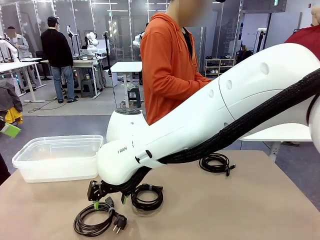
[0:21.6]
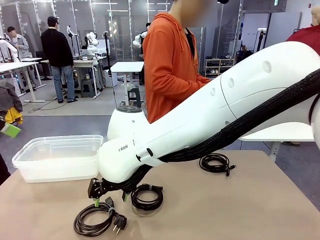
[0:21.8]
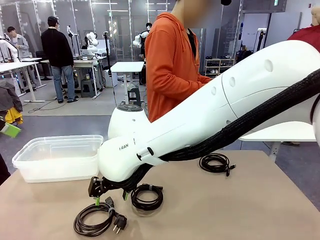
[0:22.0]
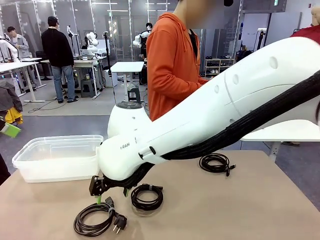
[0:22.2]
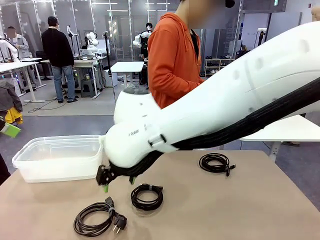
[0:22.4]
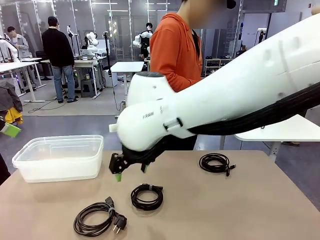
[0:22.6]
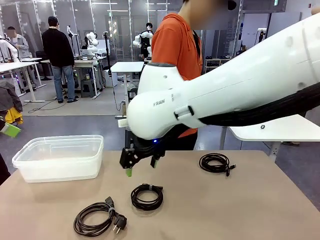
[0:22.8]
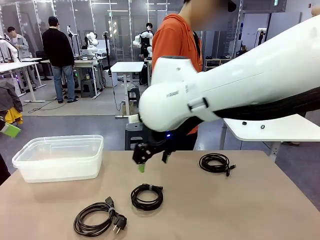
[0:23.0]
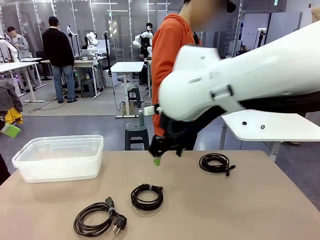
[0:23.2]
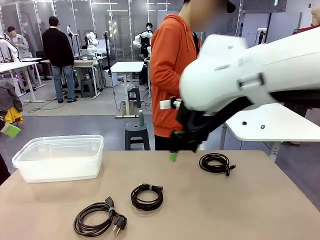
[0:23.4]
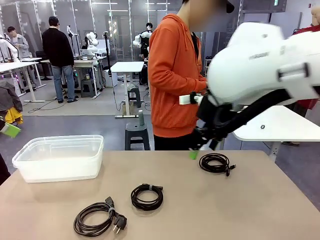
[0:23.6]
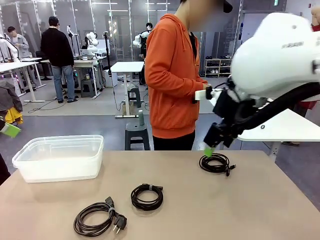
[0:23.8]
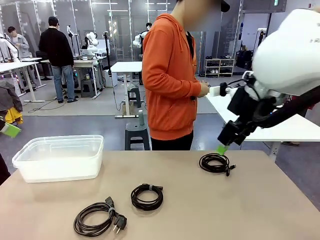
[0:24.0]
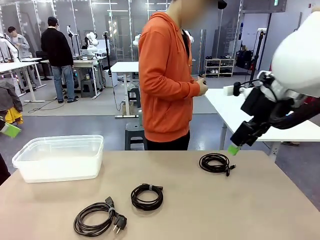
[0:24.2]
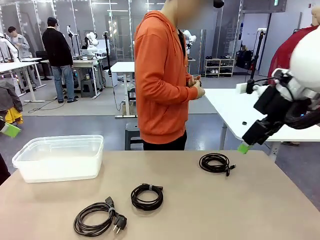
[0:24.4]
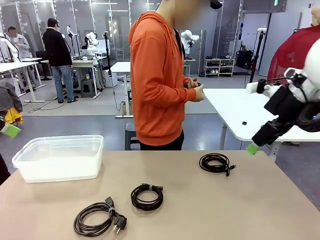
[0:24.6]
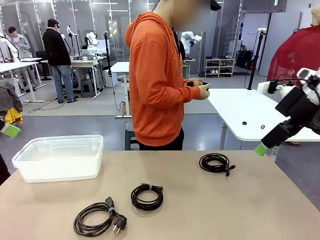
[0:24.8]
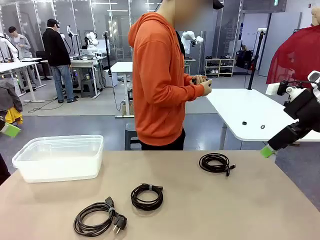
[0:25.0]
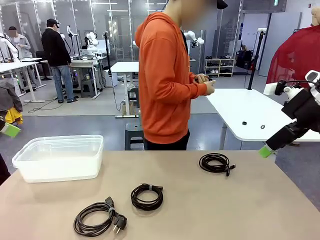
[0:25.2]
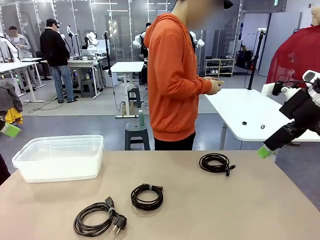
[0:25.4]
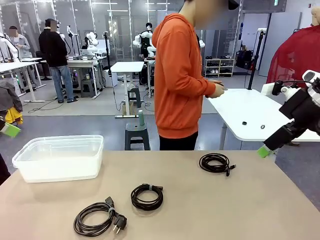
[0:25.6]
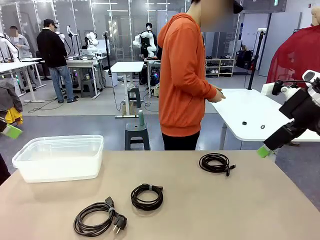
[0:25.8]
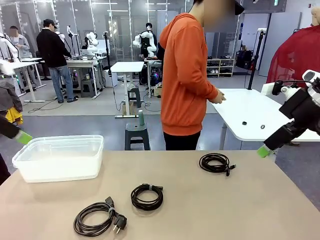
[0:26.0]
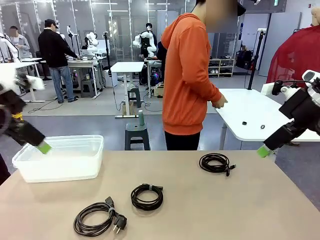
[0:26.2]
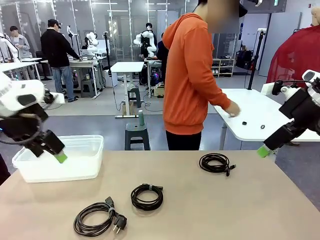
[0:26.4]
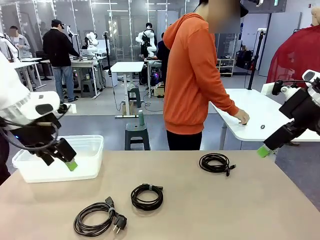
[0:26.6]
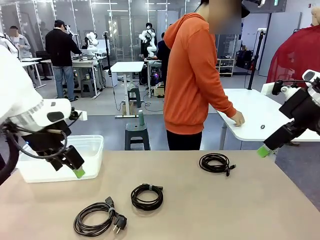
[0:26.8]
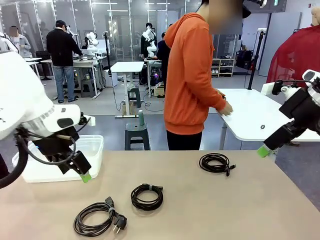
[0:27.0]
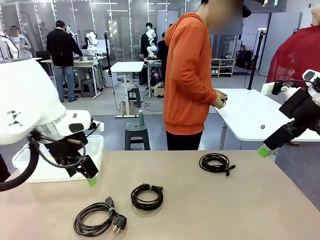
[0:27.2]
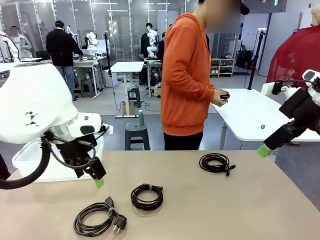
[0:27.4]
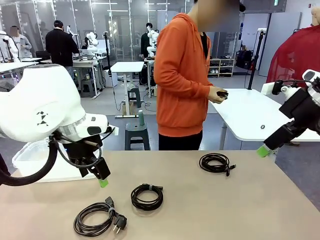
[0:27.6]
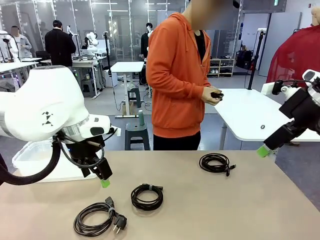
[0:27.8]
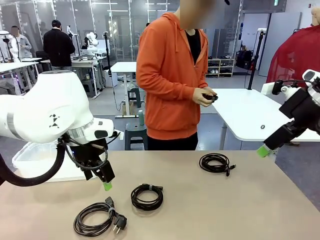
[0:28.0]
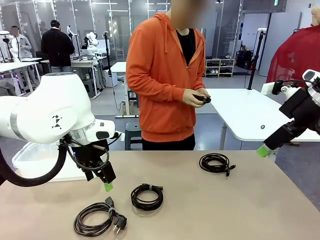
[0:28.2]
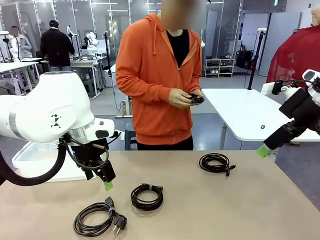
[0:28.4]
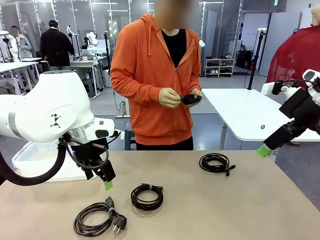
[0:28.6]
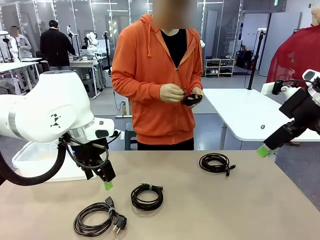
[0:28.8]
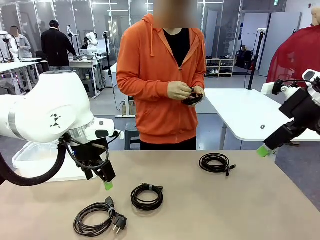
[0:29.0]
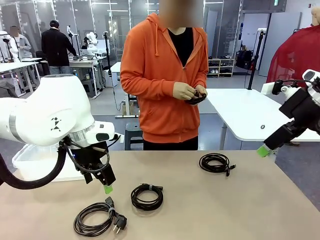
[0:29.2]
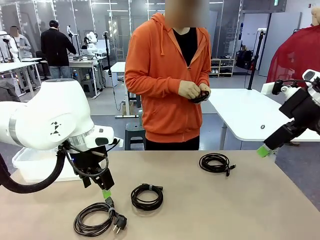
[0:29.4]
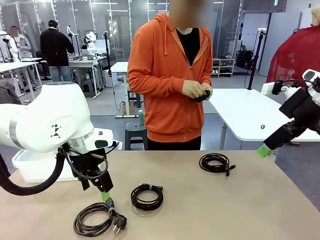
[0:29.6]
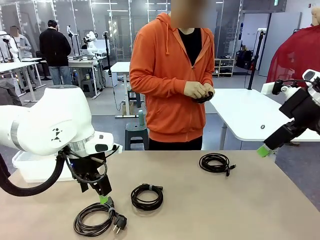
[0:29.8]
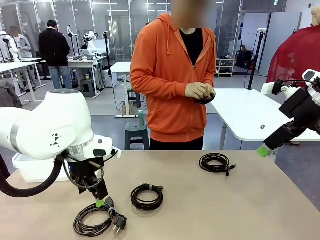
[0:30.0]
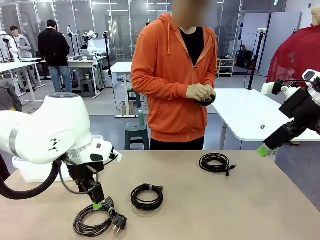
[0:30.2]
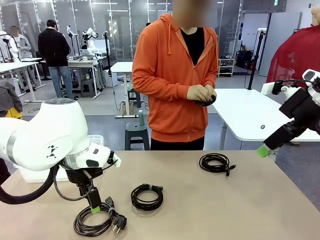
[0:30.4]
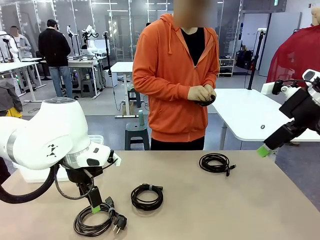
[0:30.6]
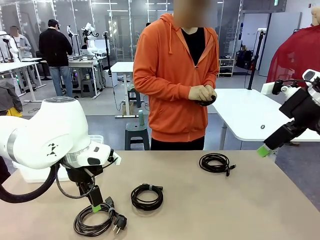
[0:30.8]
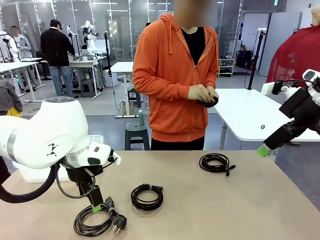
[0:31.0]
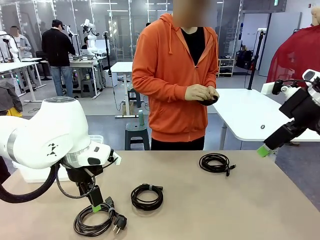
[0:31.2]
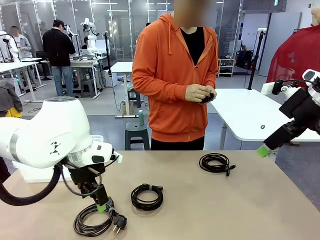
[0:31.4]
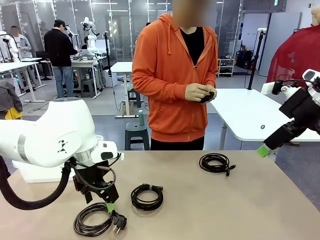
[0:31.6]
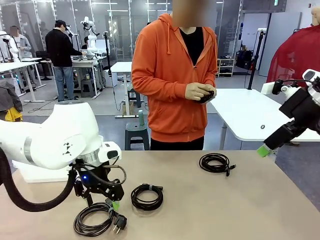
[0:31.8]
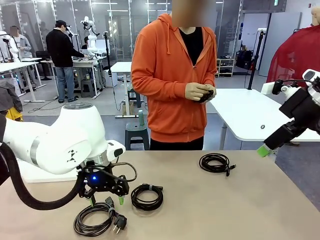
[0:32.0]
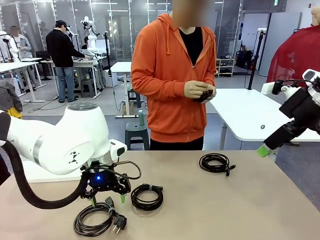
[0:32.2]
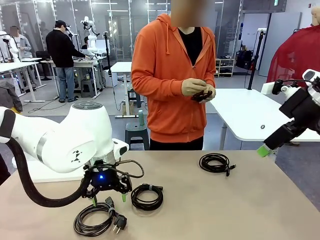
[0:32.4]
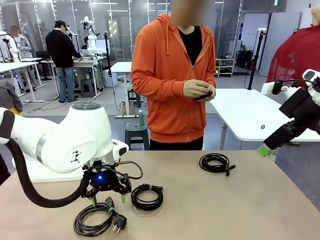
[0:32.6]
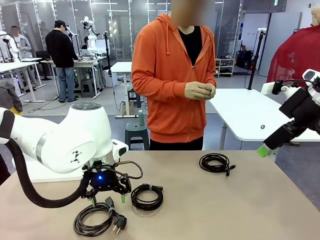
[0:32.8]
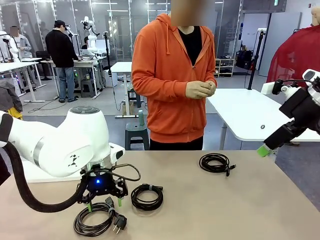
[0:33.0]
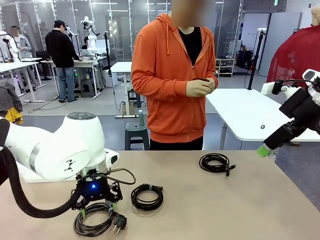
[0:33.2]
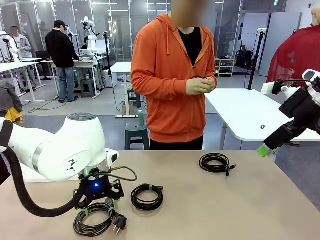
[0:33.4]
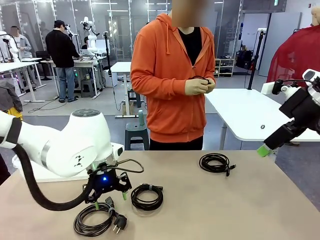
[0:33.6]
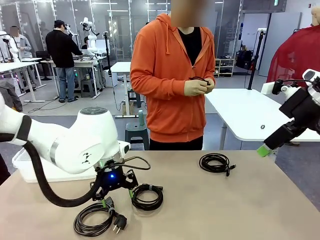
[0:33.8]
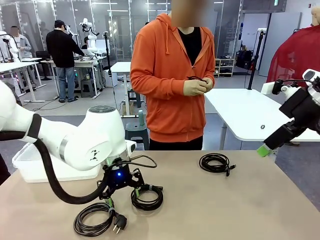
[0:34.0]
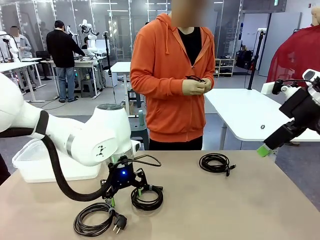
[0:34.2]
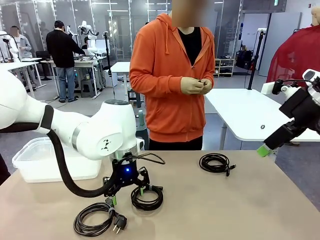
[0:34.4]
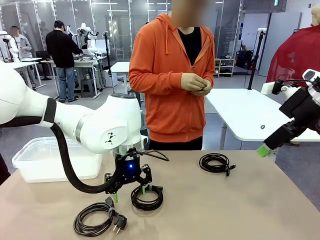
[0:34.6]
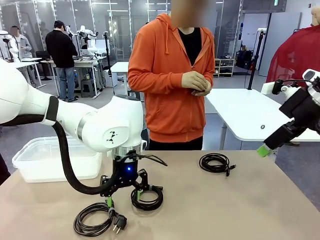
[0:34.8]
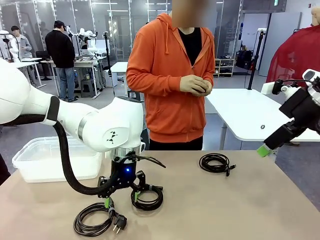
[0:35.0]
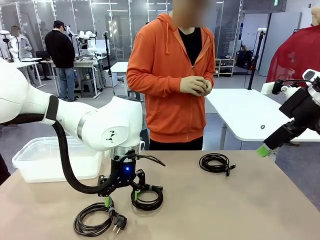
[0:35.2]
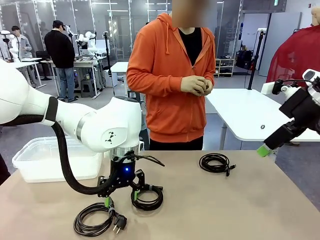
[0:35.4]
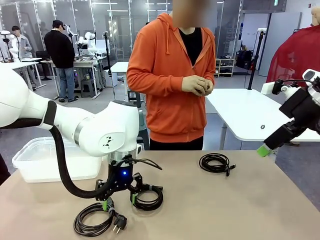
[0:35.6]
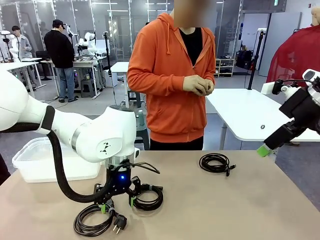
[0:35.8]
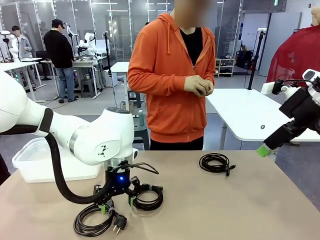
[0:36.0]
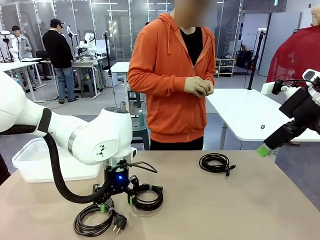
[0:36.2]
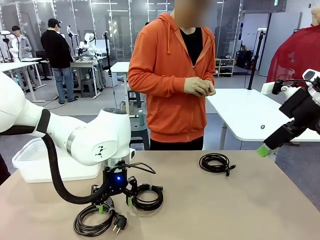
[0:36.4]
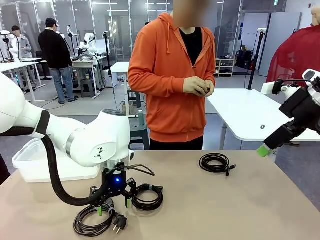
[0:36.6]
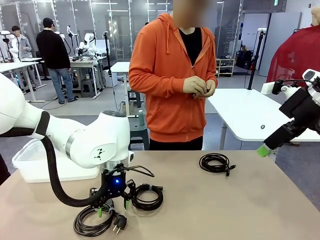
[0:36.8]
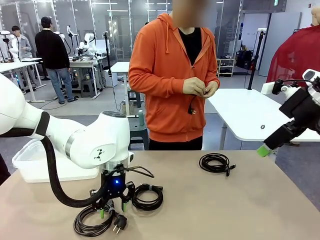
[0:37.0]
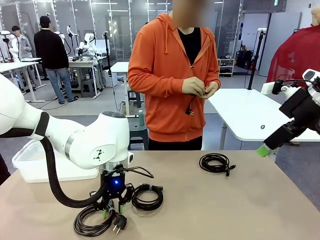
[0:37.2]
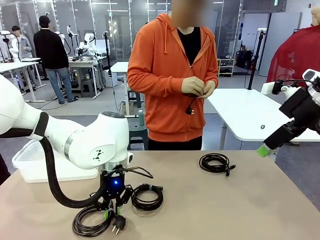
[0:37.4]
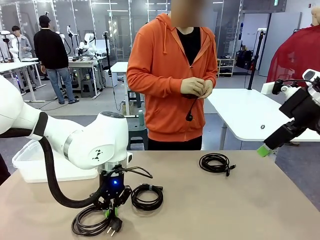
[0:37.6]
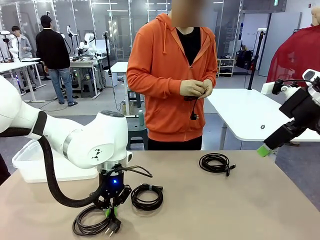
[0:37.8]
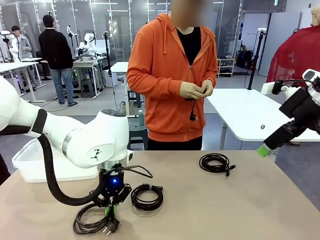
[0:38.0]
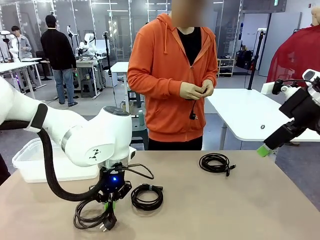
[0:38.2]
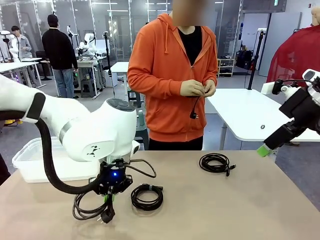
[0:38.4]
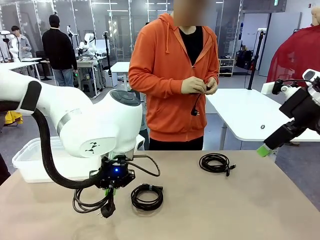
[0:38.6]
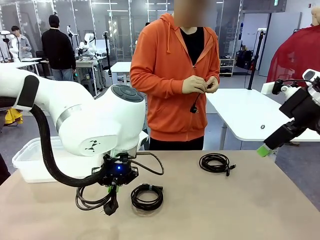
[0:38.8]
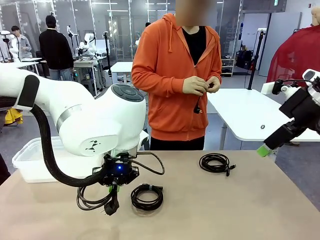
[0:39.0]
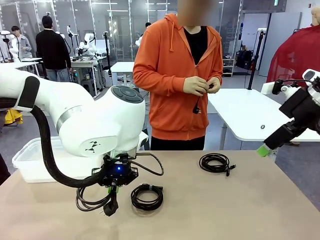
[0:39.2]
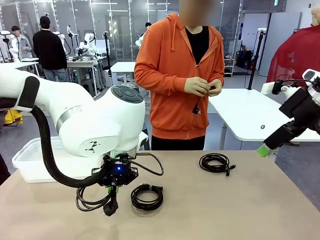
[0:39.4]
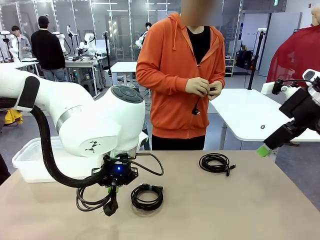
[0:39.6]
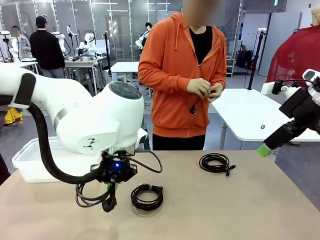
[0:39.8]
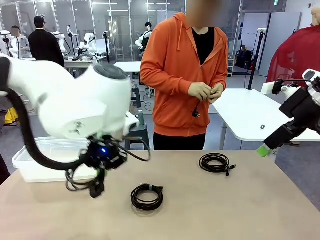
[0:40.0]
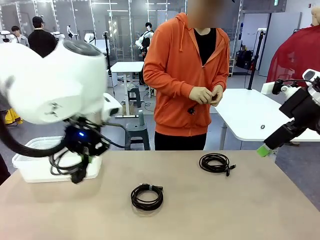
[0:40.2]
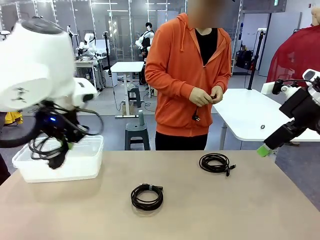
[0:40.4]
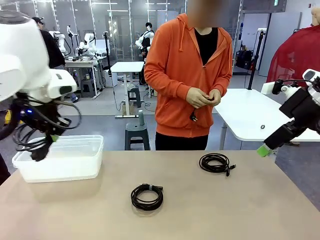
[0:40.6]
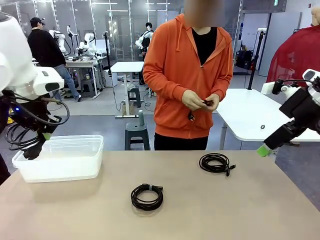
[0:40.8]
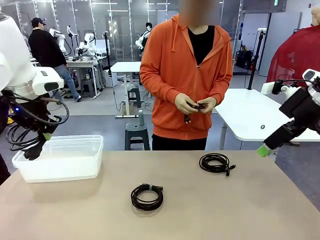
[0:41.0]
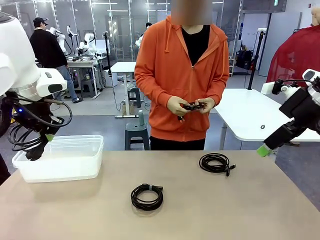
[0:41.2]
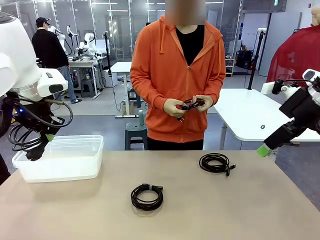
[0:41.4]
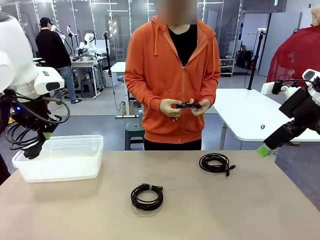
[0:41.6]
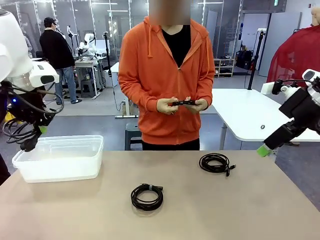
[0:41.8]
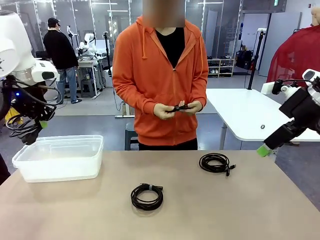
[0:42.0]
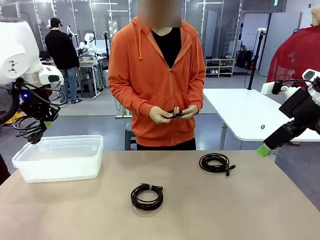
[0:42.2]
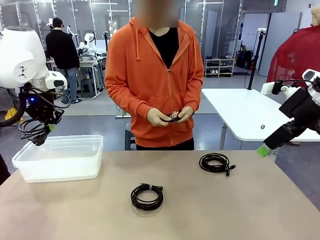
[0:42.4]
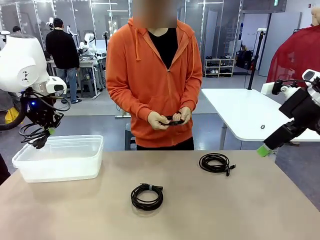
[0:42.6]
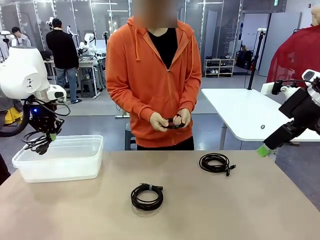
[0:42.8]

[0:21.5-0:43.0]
Task: Organize and store the cables.
Robot: Place the Power Cable into the Organizing box.
